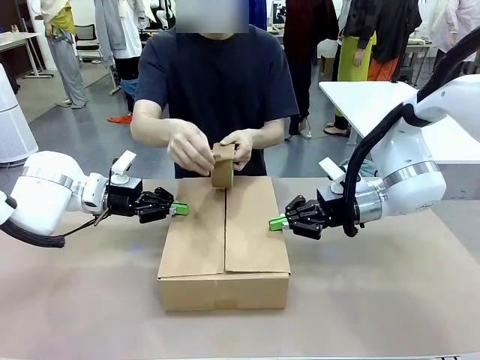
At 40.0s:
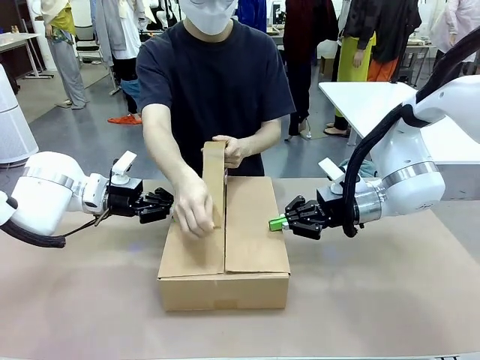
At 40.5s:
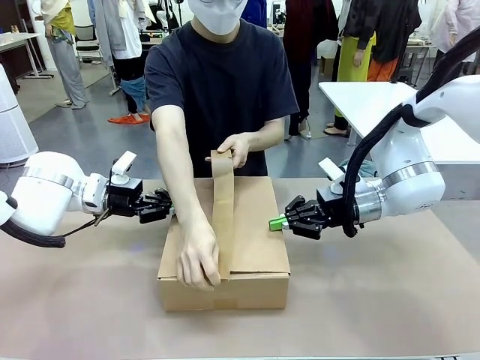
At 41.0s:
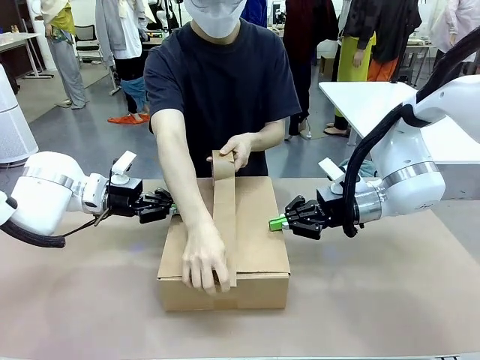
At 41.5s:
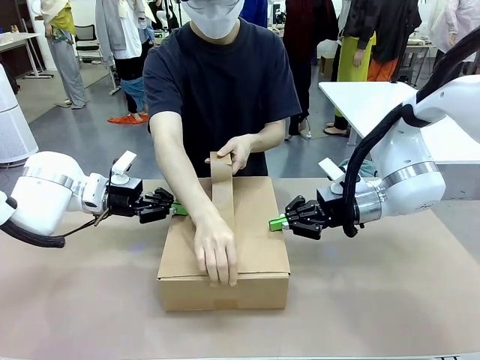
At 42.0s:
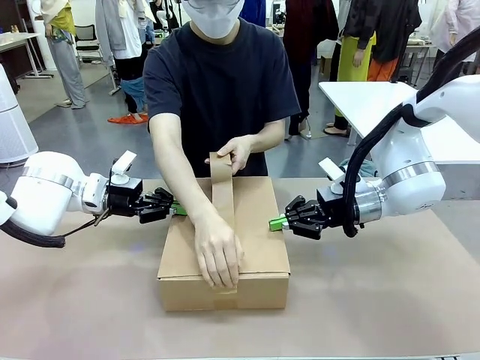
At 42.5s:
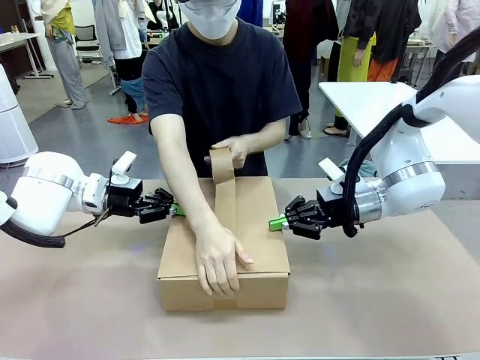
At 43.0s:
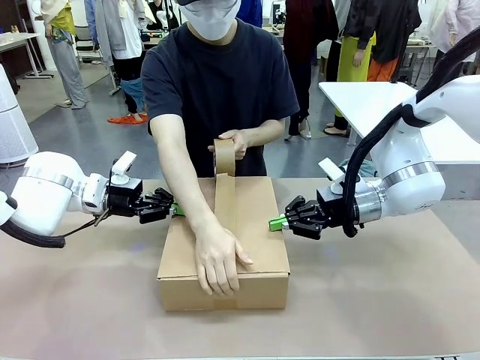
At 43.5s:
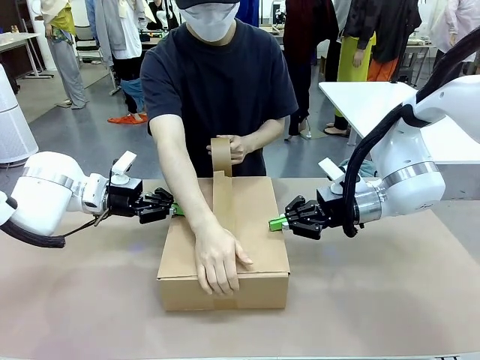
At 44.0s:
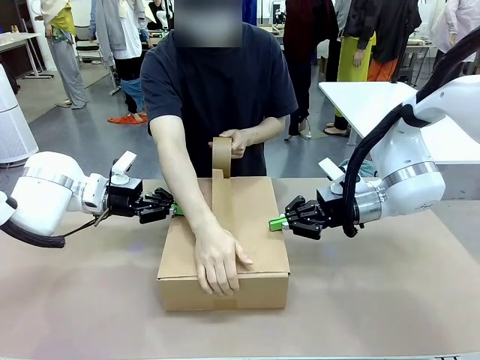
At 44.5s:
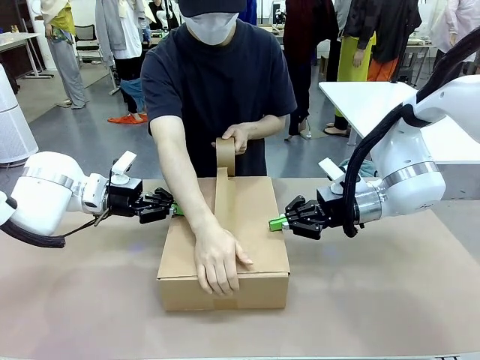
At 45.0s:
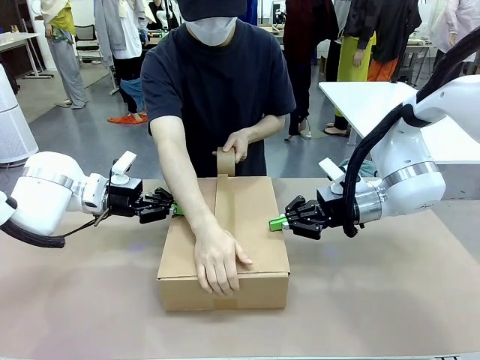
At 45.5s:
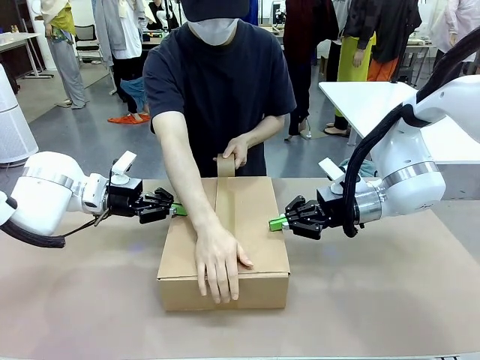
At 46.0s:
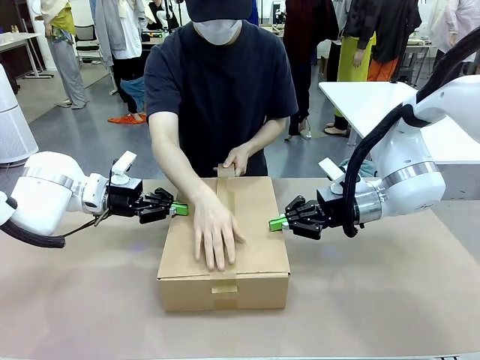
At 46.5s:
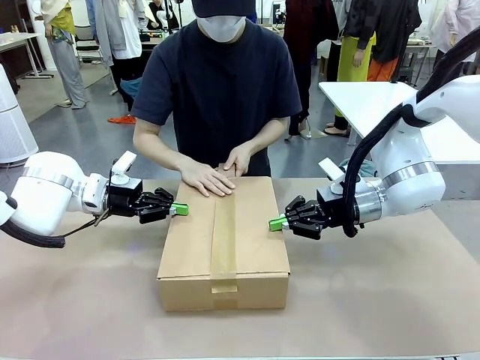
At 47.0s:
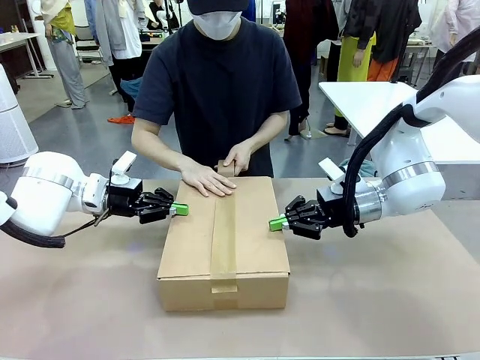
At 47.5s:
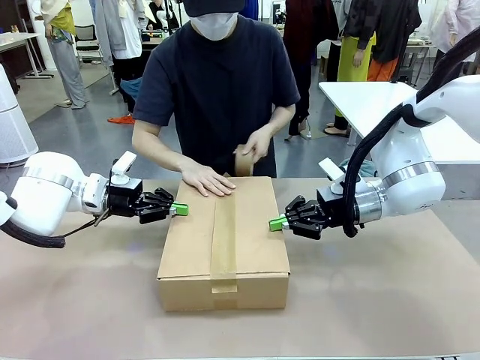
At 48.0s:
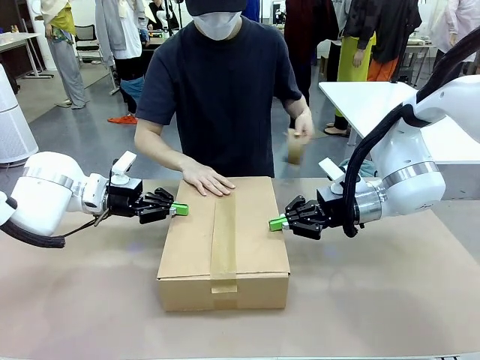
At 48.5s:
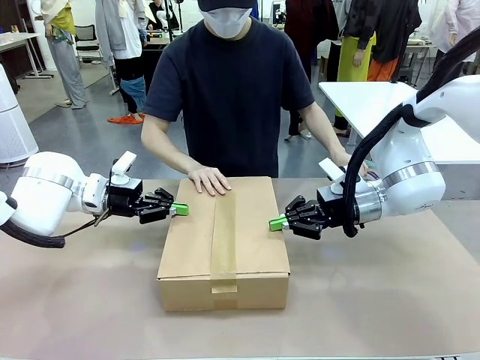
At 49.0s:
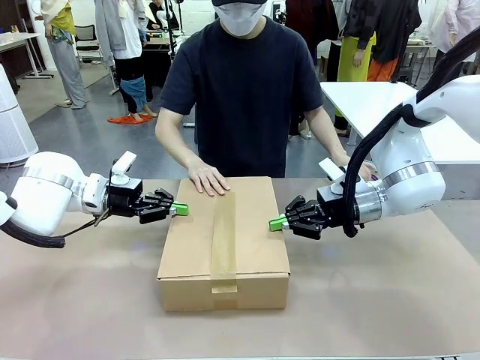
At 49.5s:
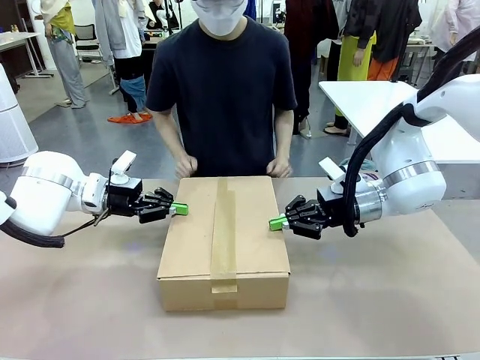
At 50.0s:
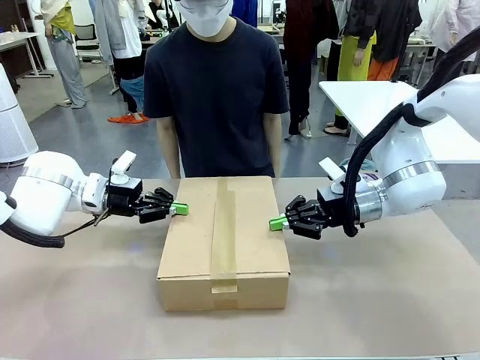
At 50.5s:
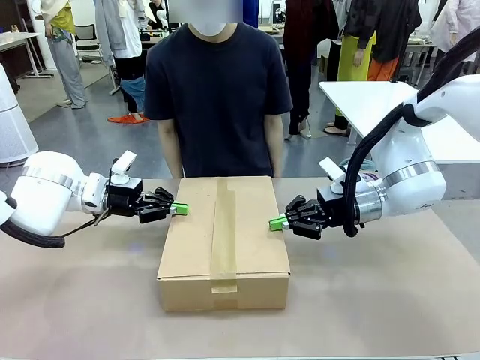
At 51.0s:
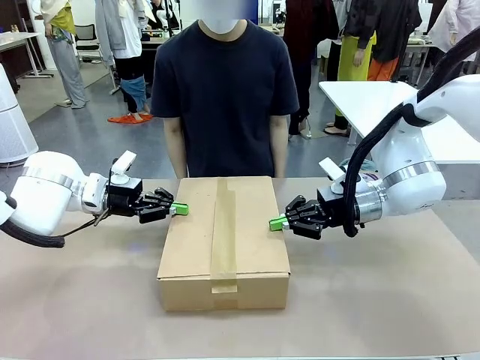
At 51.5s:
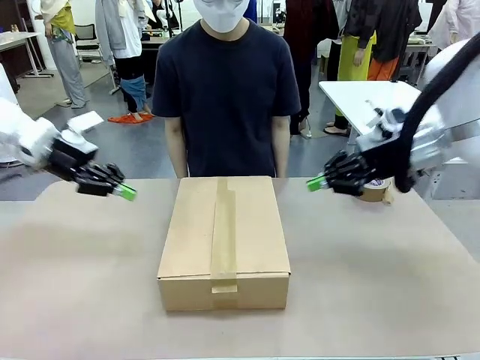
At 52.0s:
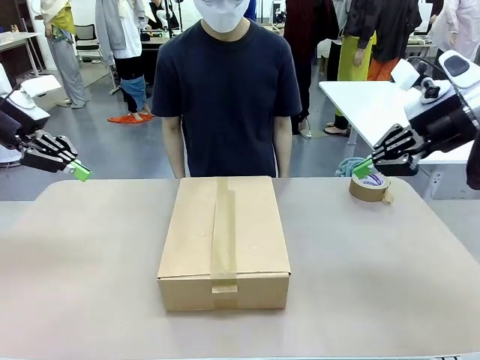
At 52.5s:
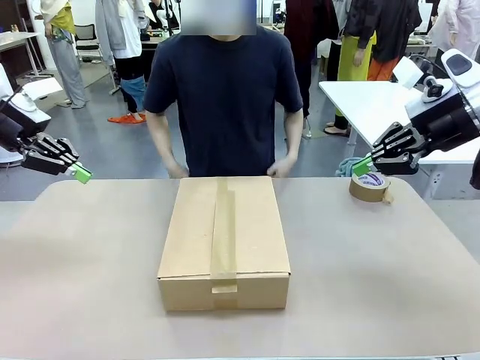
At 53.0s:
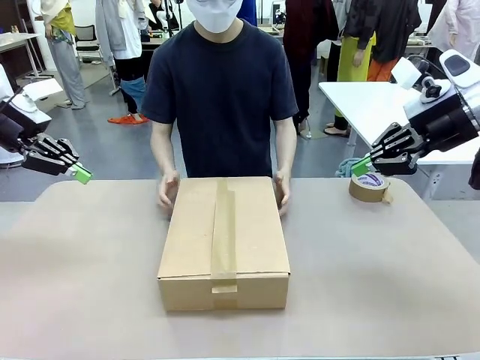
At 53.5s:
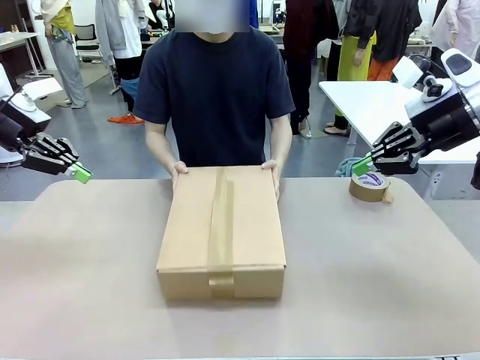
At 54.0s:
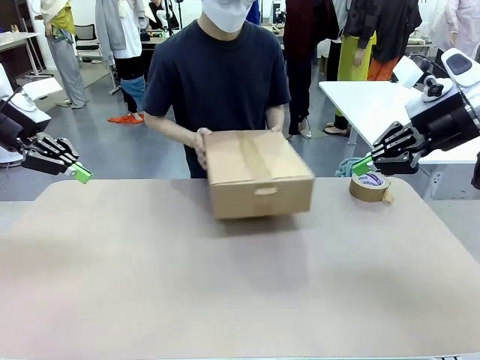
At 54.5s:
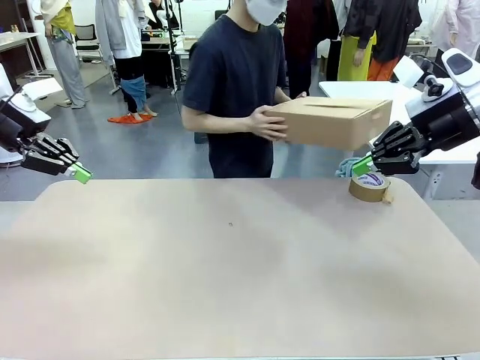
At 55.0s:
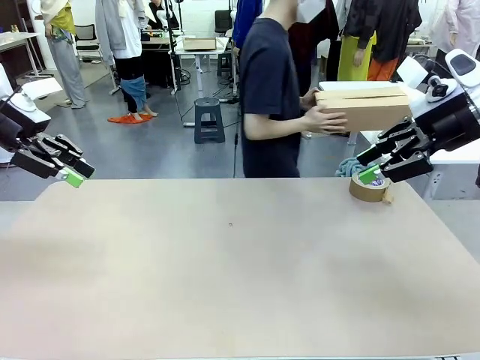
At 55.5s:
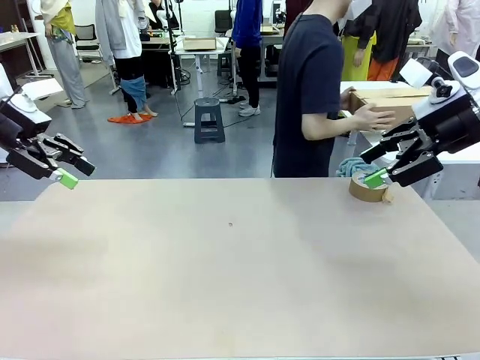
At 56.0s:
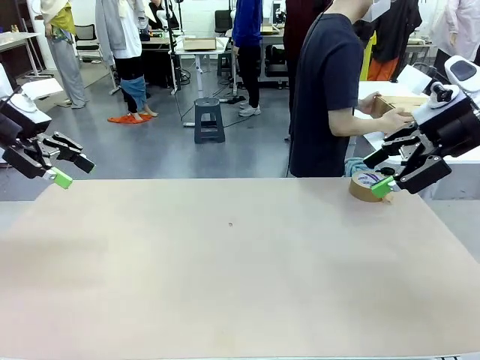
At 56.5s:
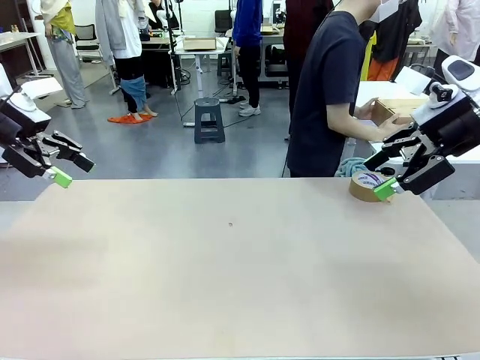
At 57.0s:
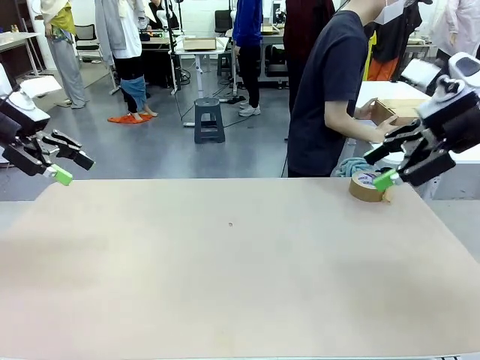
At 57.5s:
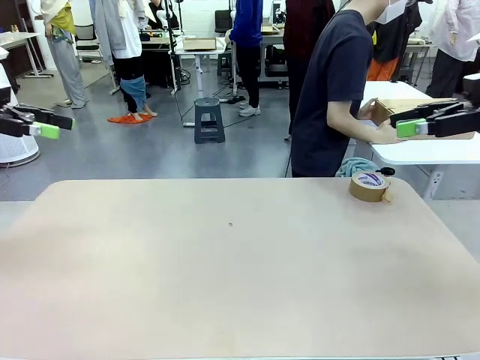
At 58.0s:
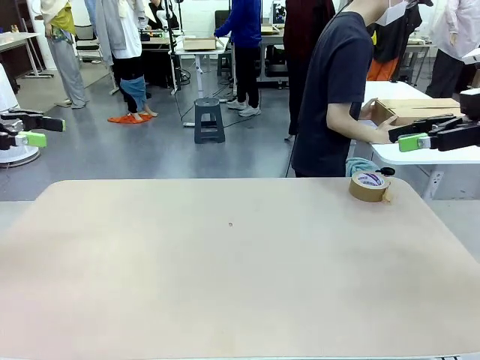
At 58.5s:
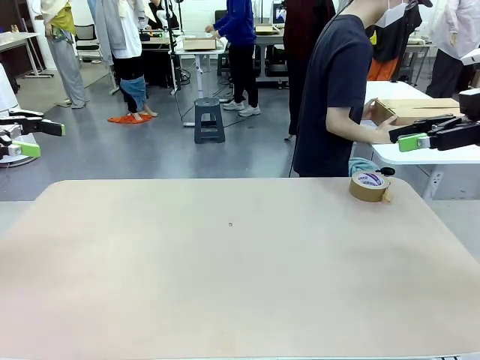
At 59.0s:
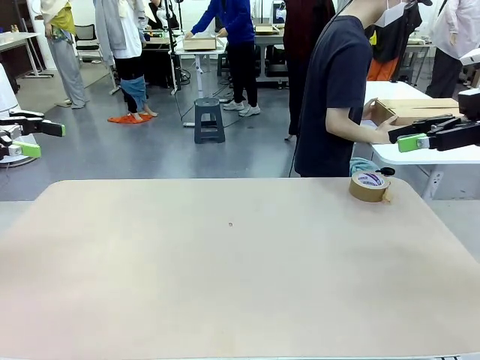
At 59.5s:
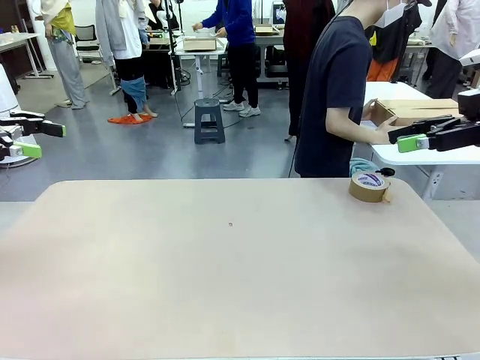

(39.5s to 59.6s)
Task: Wrap the clocks to prevent damage.
Robot: After the human seals the box with tape, release both hands from the side flaps of the Package Box.
Person: Once the robot closes the left flap of the Package Box , seal the box with Paper Tape. Place sealed Package Box in the middle of the human's table.

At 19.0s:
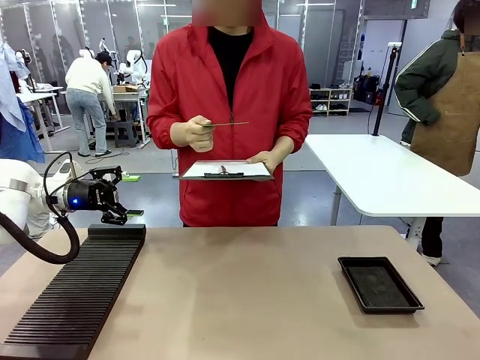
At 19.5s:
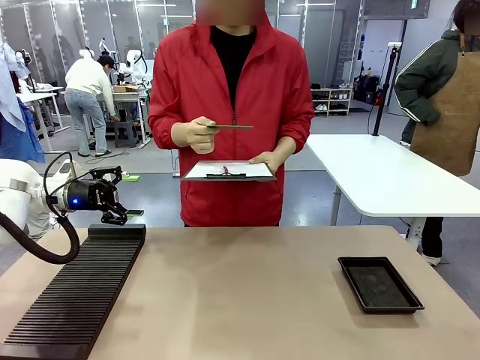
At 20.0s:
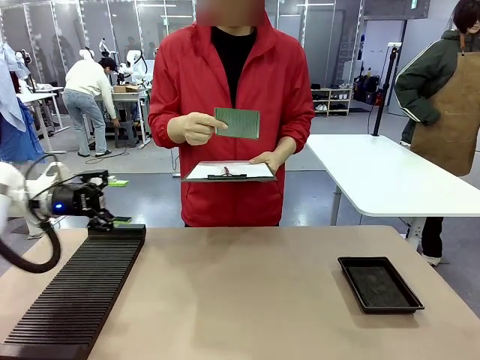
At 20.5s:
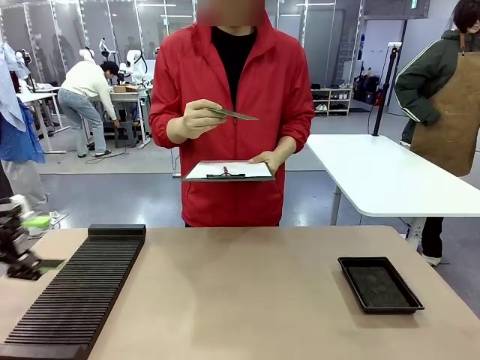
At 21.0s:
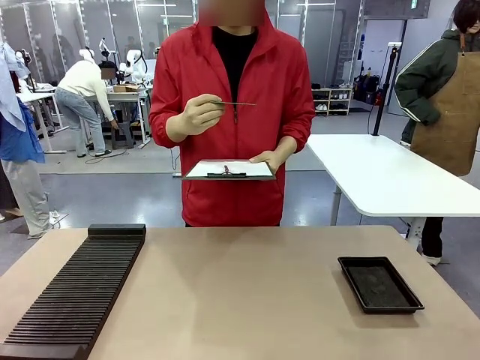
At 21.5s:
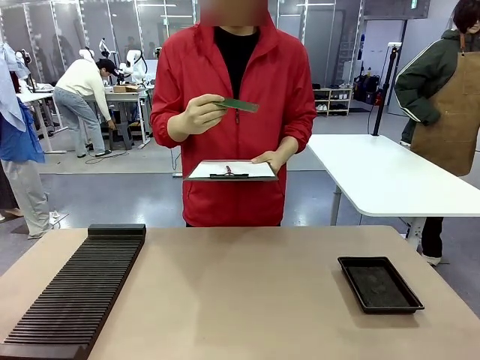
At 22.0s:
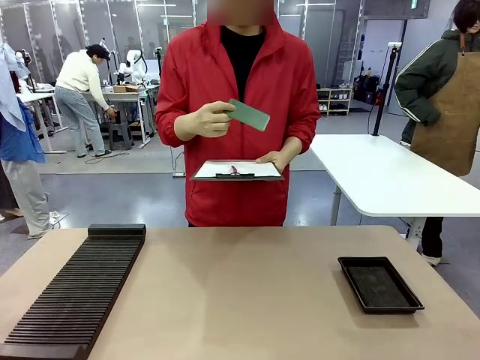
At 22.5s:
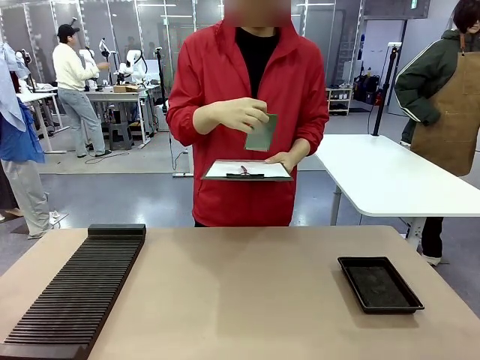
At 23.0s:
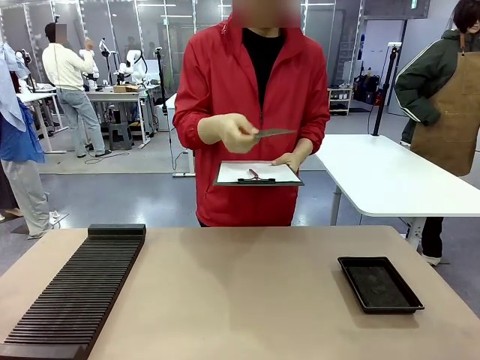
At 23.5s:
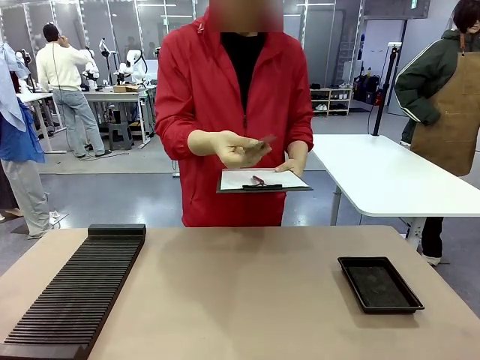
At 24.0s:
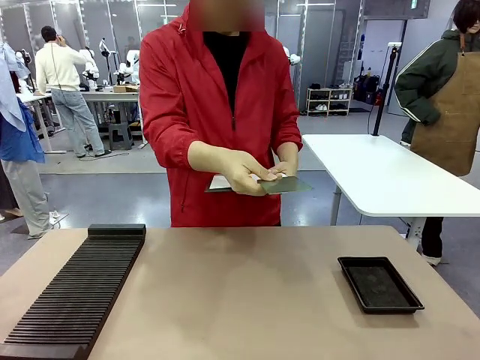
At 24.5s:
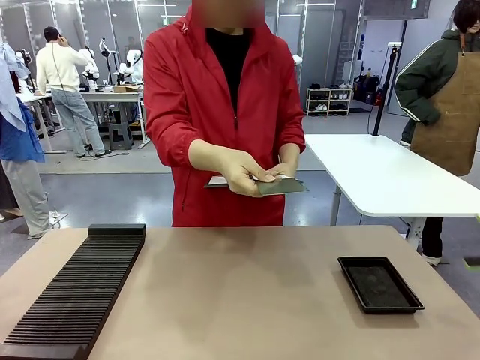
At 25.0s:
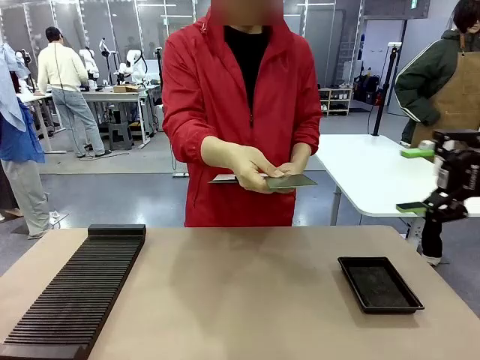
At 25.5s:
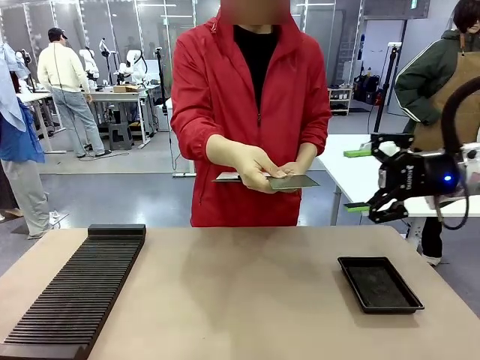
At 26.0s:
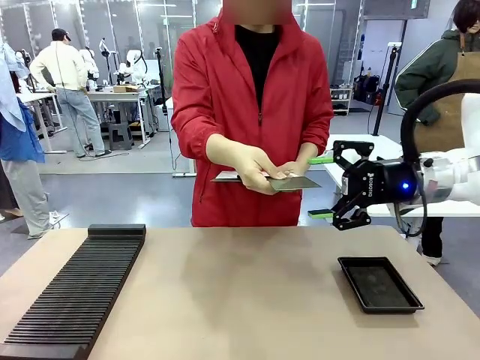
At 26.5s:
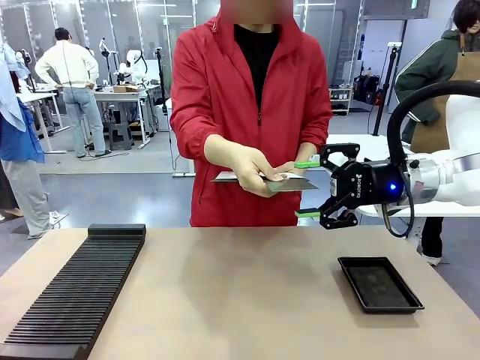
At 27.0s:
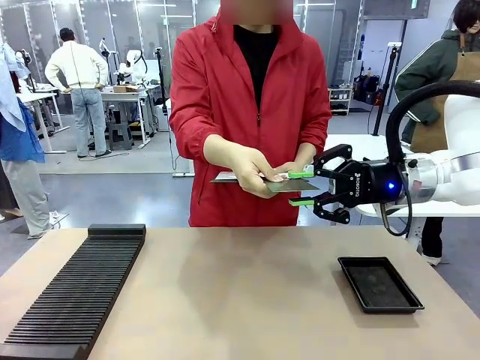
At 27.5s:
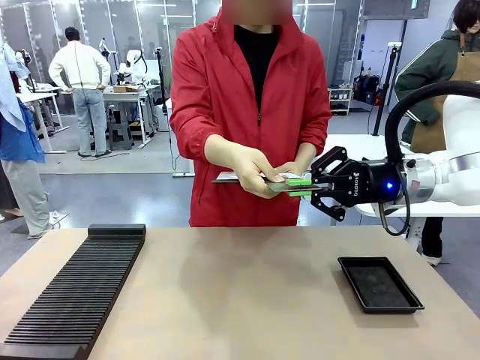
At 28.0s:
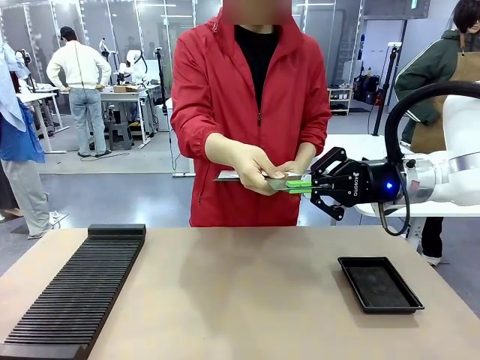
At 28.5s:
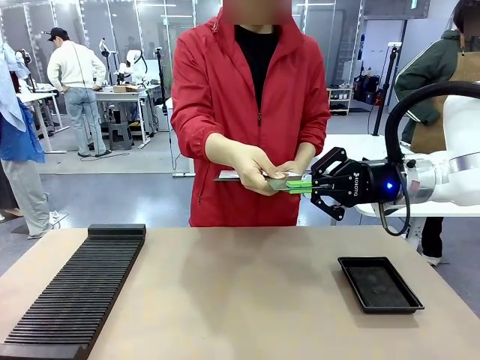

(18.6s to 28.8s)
Task: Inspect the PCB.
Robot: Pick up the Blank PCB that the human is holding.
Person: Inspect the PCB placed by the robot, then hold it out in front of the robot. Release the PCB you were holding.
